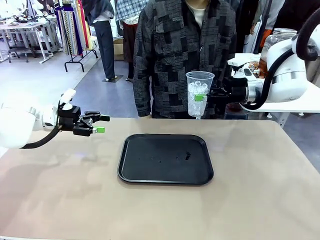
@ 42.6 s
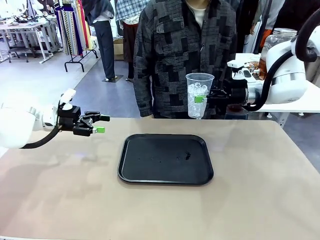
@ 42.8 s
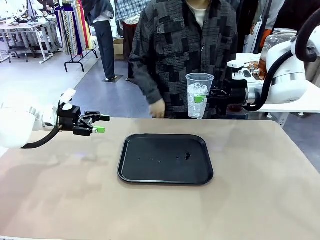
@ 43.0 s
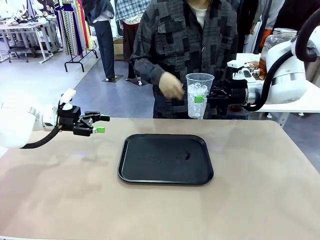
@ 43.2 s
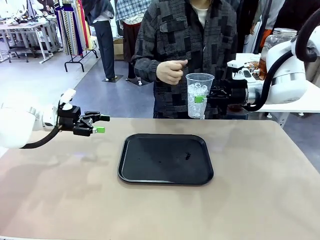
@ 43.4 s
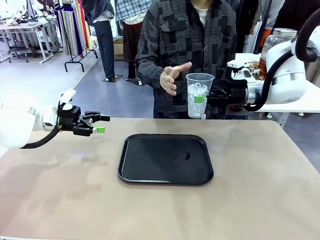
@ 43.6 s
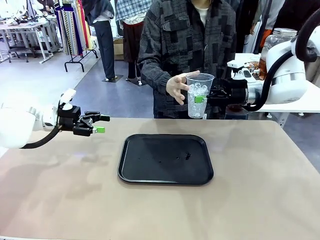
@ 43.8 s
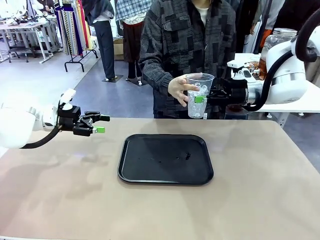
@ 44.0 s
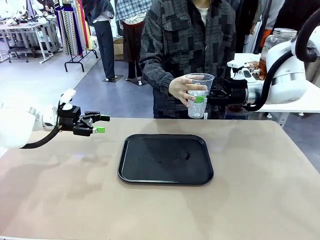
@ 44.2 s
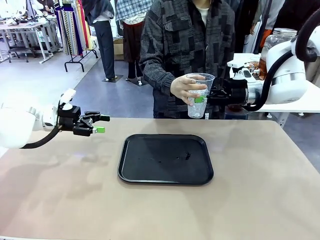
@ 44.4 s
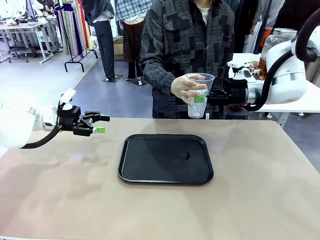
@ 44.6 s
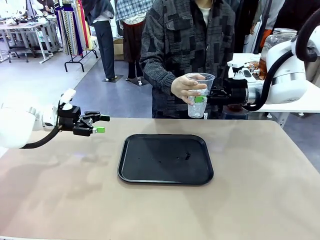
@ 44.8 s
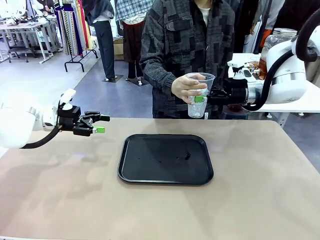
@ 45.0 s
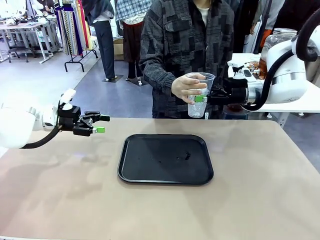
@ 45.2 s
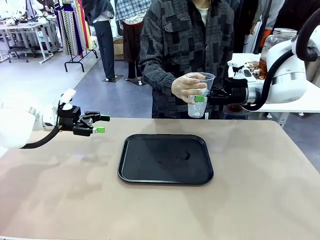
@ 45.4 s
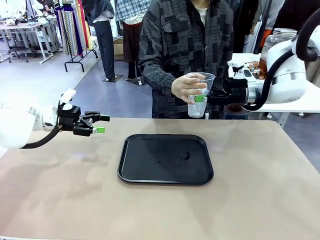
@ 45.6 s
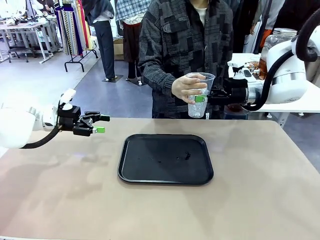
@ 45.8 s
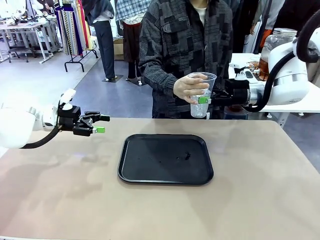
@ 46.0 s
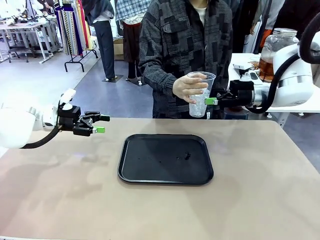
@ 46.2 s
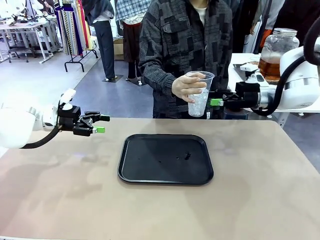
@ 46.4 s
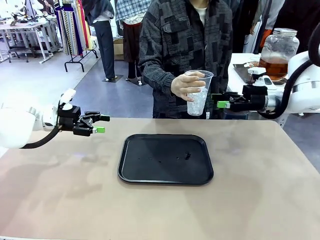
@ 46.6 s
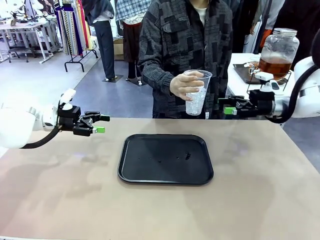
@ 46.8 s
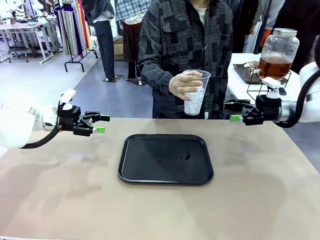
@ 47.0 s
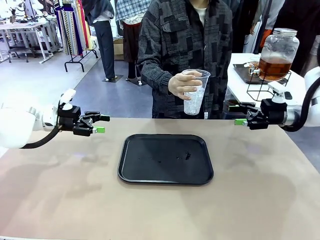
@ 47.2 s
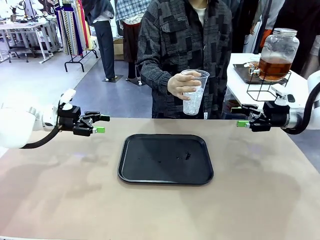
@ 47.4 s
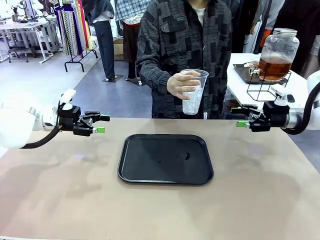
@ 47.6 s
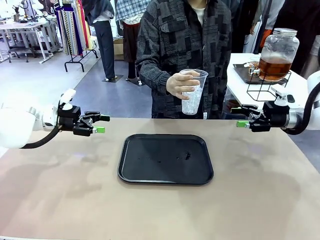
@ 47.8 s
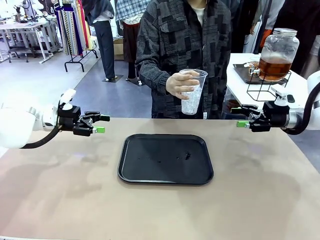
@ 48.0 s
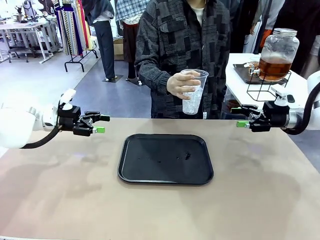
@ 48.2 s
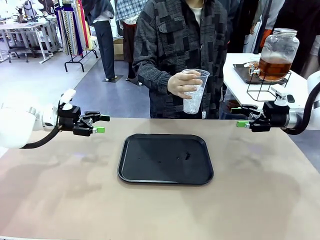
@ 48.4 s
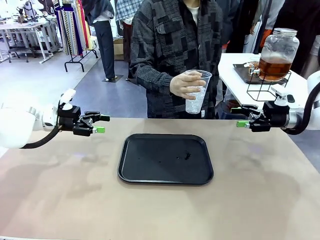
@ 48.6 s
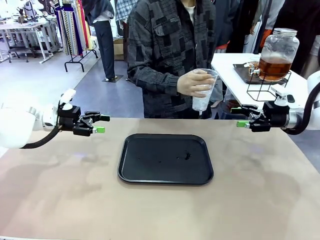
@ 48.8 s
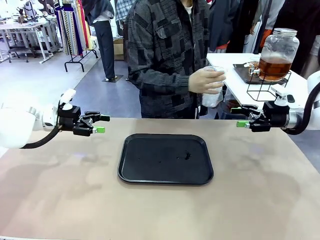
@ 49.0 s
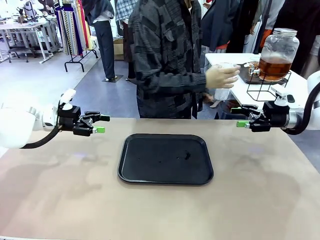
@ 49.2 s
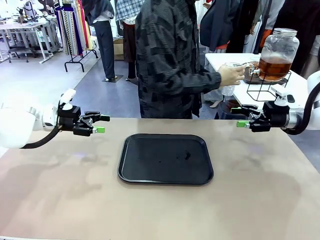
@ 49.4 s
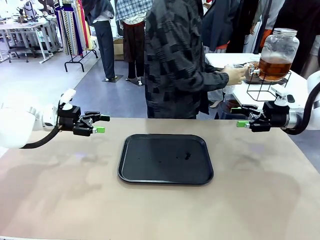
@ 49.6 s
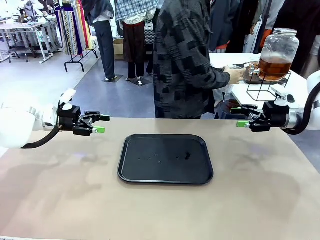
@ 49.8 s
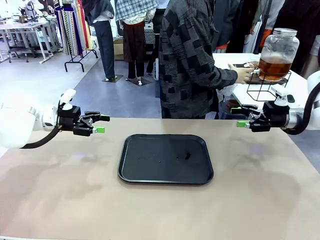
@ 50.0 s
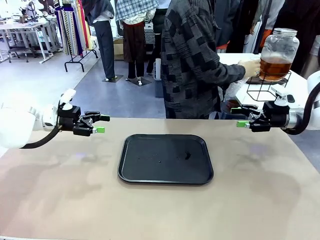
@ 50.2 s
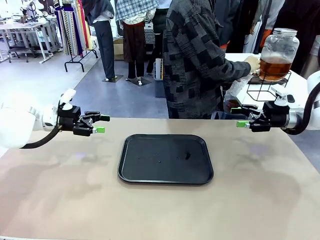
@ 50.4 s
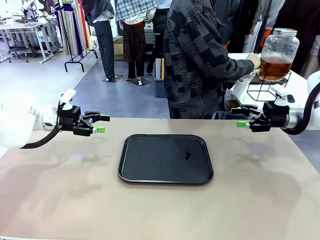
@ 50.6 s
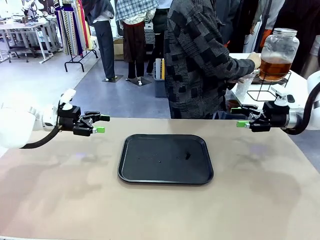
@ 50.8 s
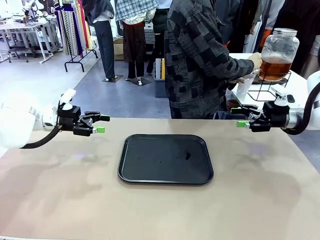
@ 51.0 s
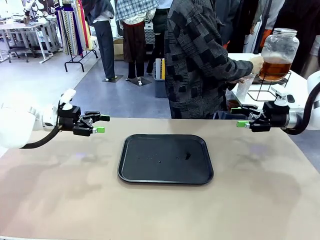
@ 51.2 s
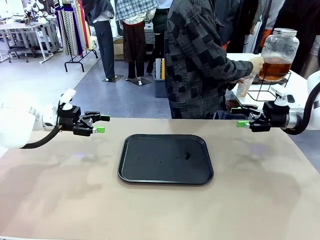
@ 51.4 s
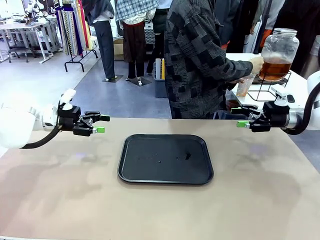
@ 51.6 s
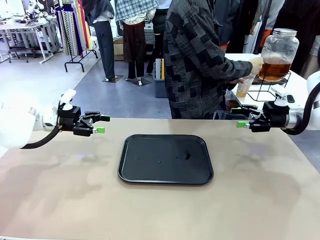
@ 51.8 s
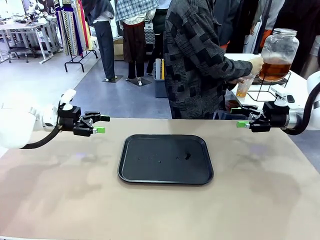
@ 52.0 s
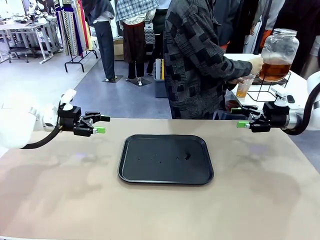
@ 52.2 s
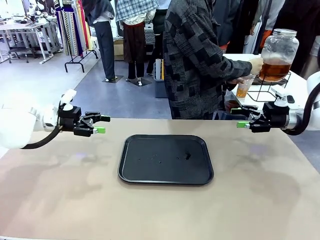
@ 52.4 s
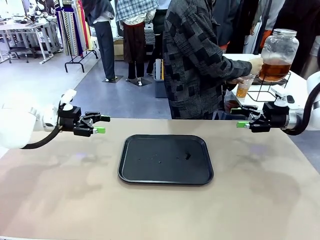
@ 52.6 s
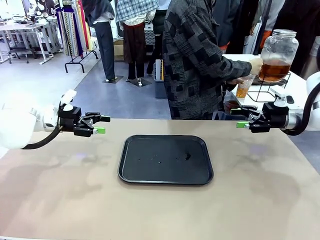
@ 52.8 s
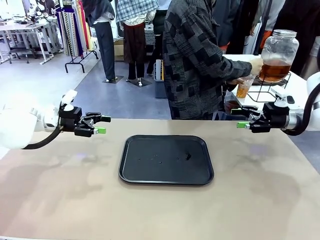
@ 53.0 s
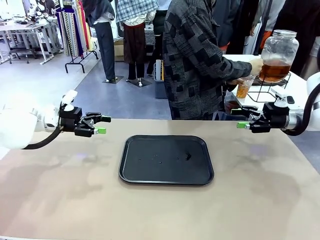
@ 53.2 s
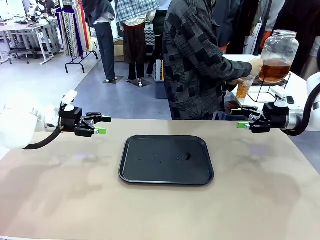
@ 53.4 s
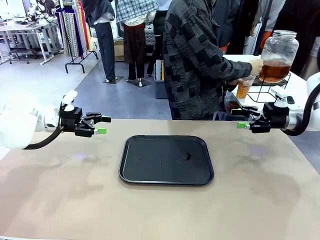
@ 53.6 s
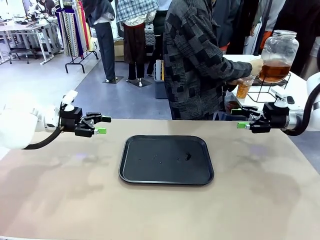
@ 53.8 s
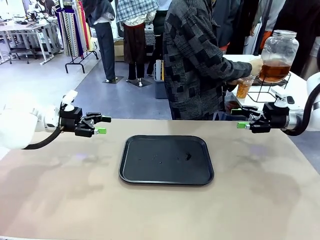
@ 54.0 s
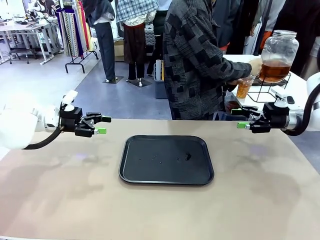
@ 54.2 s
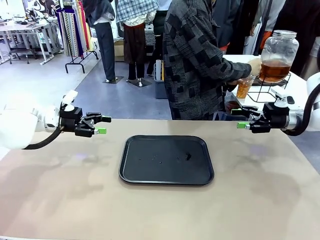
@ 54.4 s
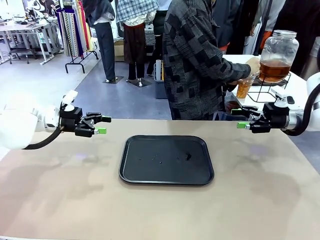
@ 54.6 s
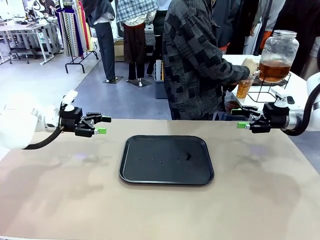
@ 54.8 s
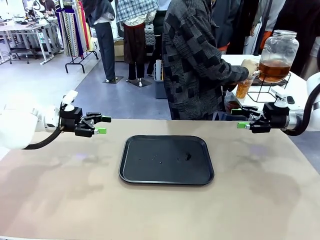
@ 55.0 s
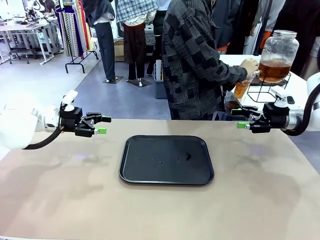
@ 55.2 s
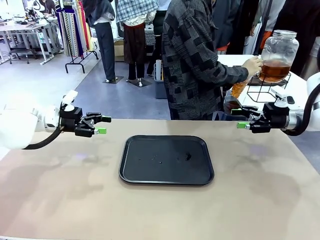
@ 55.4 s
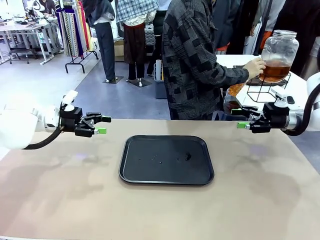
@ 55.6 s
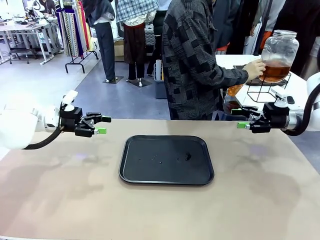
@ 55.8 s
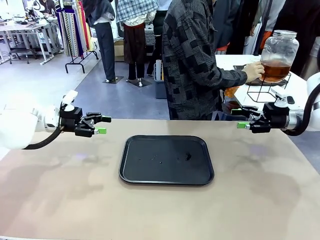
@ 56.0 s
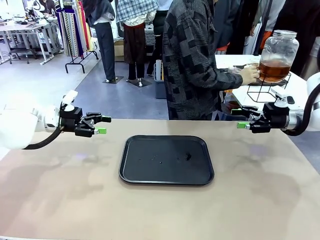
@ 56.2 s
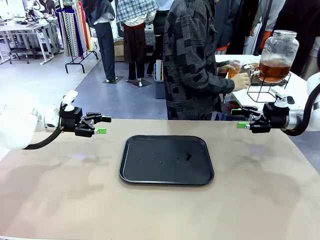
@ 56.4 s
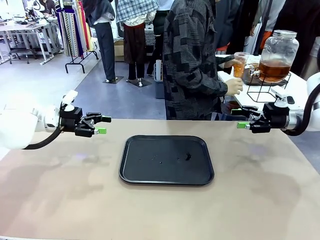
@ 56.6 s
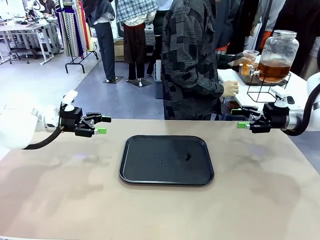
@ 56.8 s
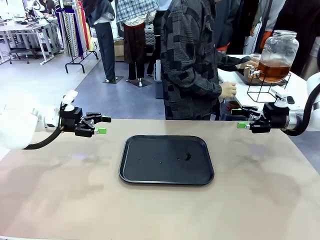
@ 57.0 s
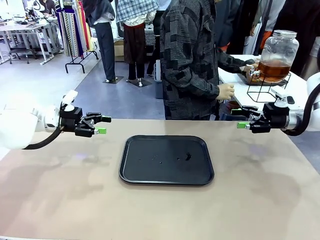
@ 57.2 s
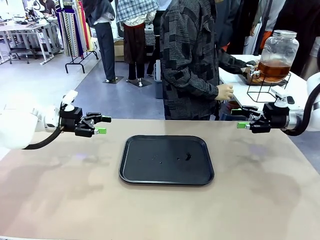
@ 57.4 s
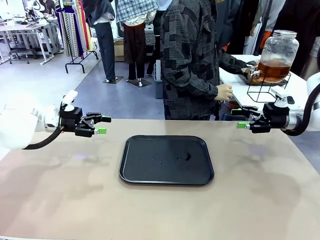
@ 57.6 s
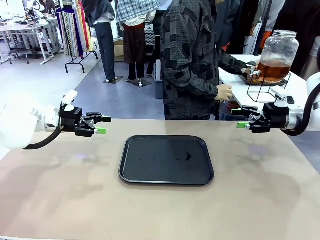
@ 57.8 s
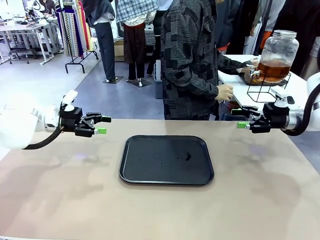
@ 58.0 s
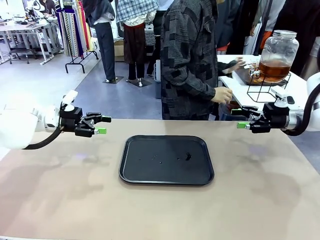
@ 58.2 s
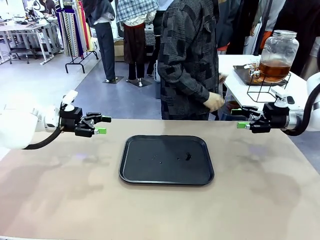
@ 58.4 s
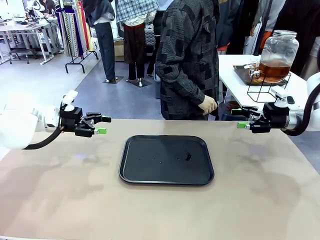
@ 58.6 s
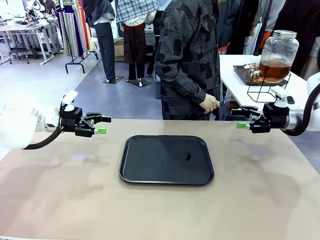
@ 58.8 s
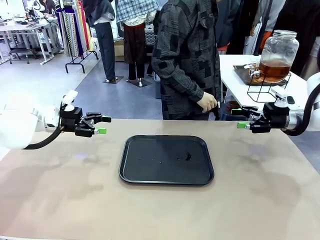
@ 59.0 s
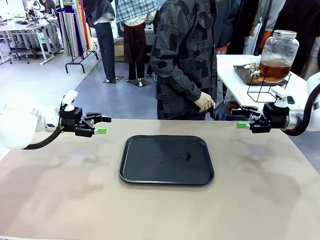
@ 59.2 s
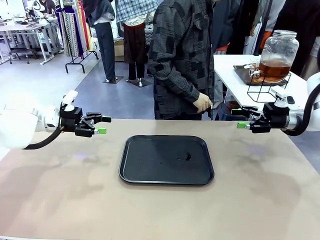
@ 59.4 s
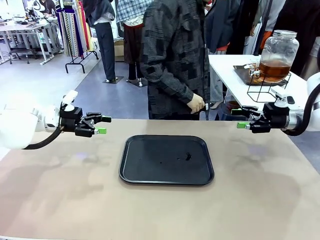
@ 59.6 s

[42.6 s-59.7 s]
Task: Pour the drink into the iced cup.
Robot: Open the gripper to release the iced cup you were holding.
Person: Move the picked-up cup under the dispenser faucet, pour the drink, and place it on the tray on the human table.
